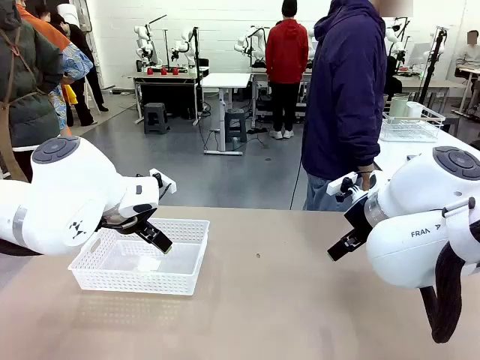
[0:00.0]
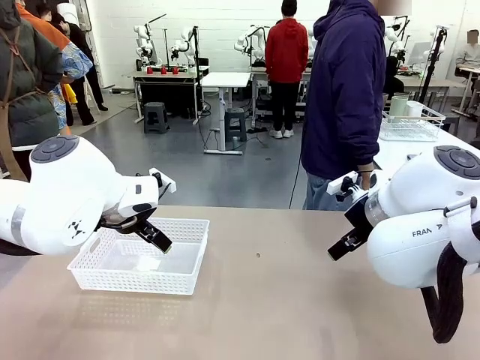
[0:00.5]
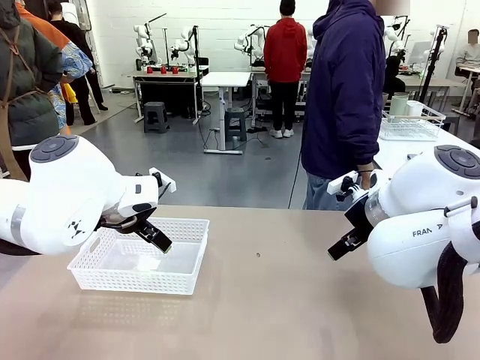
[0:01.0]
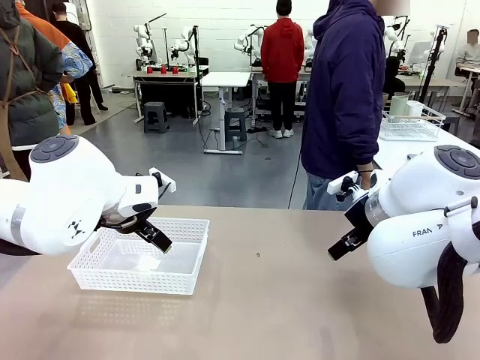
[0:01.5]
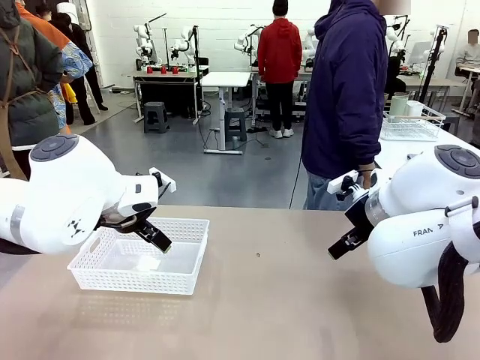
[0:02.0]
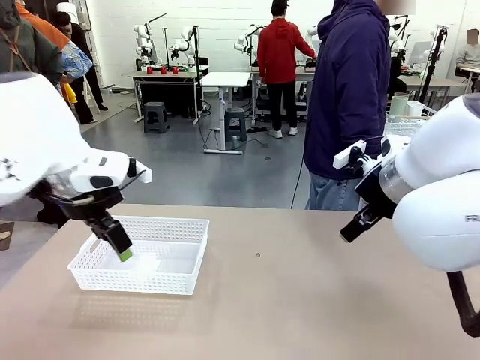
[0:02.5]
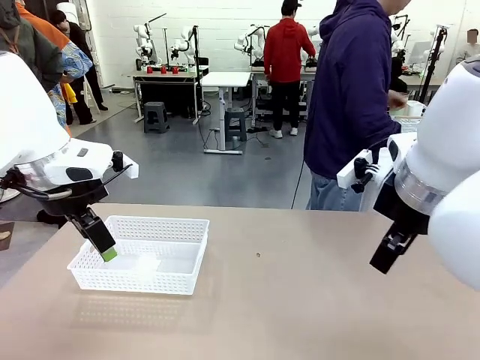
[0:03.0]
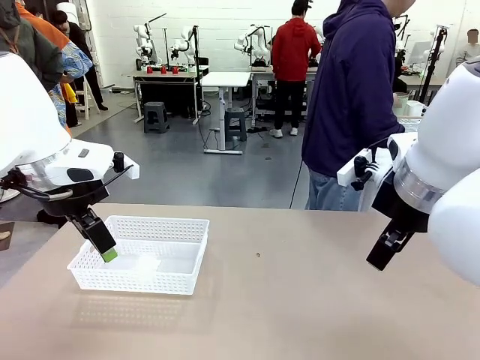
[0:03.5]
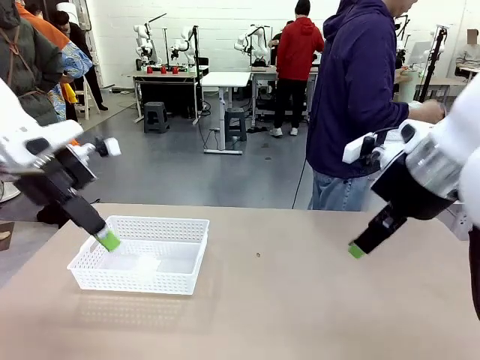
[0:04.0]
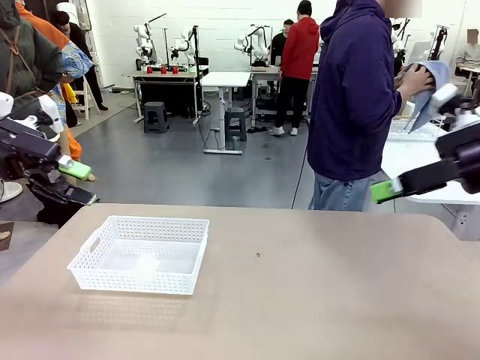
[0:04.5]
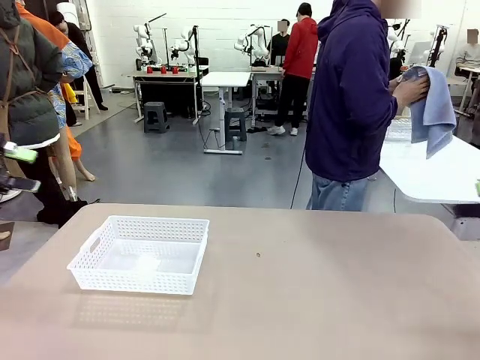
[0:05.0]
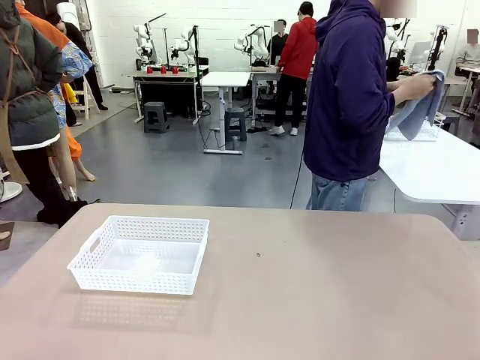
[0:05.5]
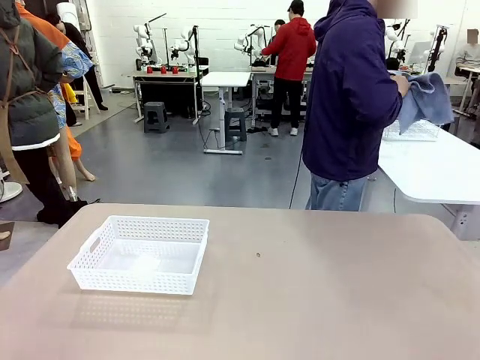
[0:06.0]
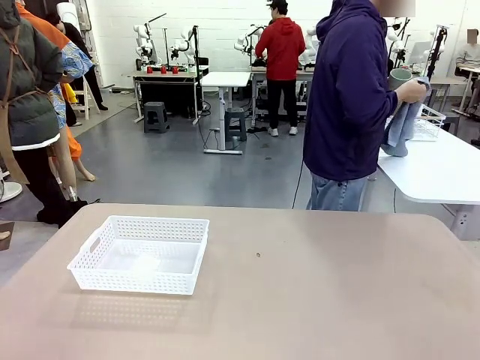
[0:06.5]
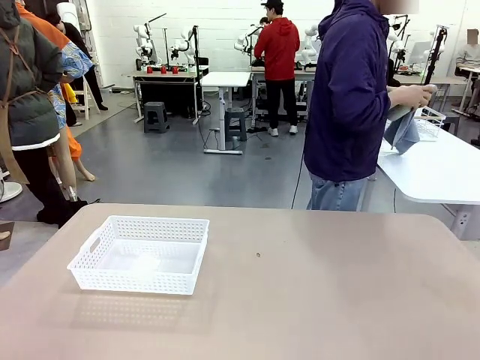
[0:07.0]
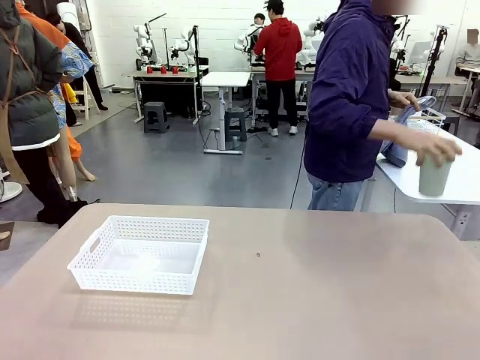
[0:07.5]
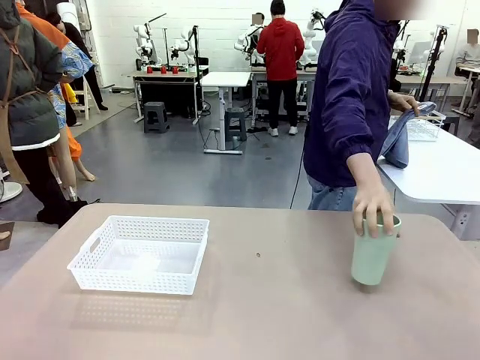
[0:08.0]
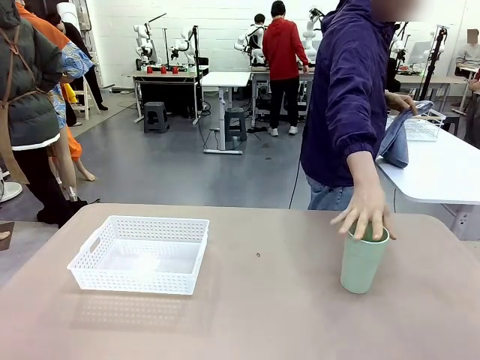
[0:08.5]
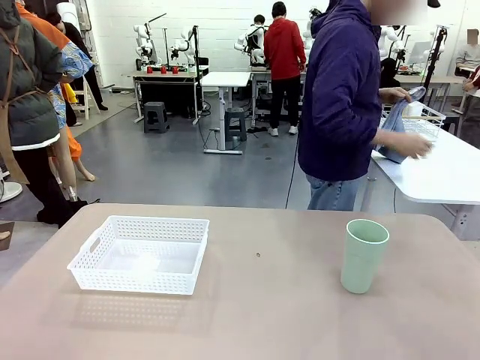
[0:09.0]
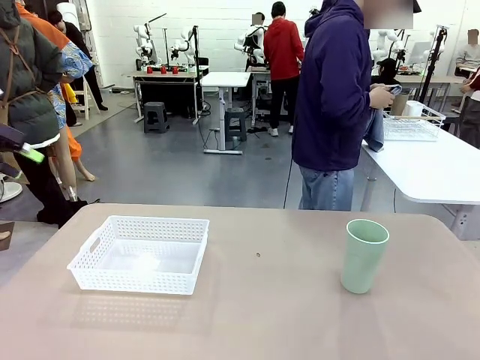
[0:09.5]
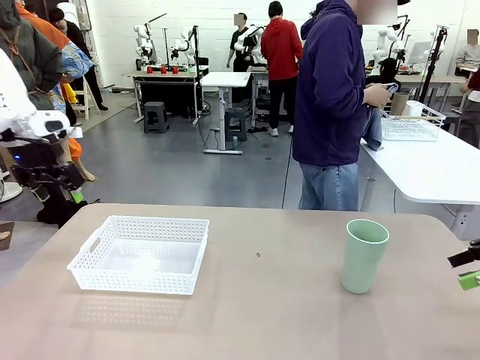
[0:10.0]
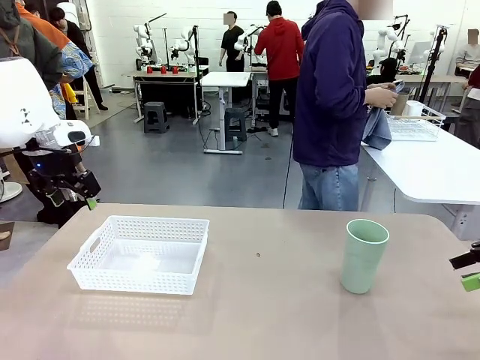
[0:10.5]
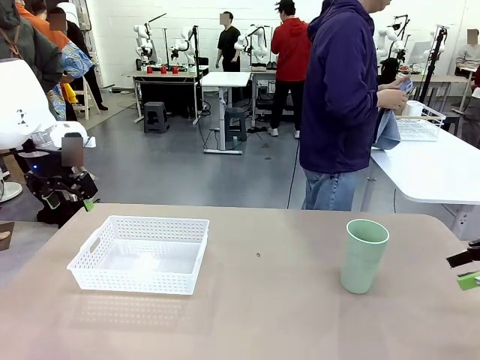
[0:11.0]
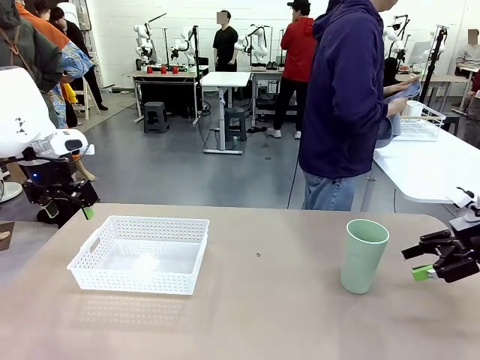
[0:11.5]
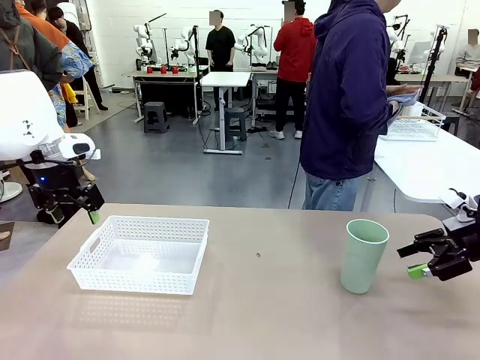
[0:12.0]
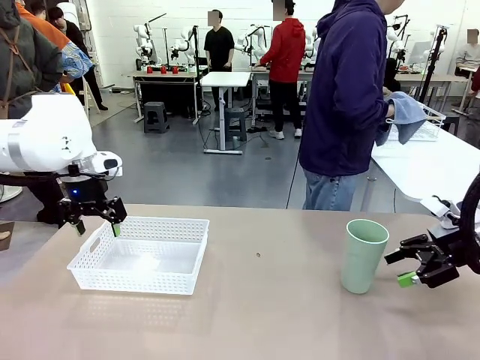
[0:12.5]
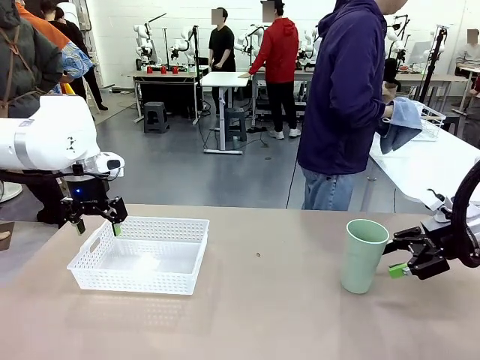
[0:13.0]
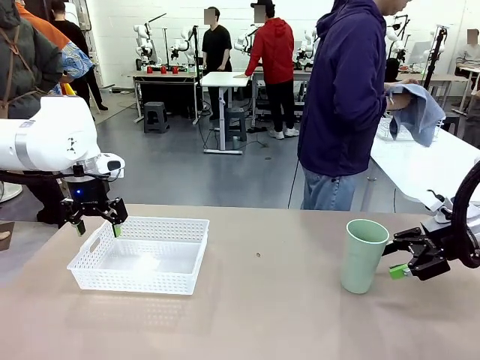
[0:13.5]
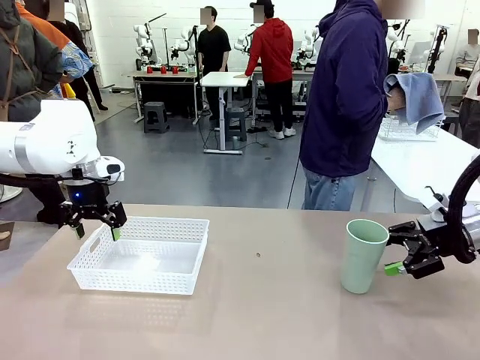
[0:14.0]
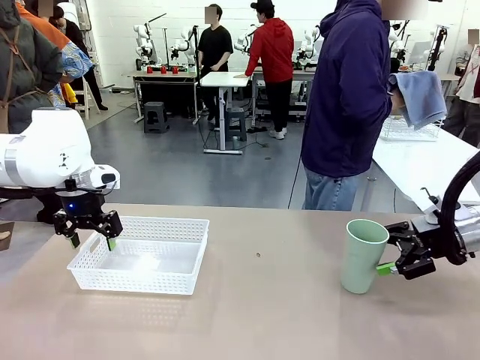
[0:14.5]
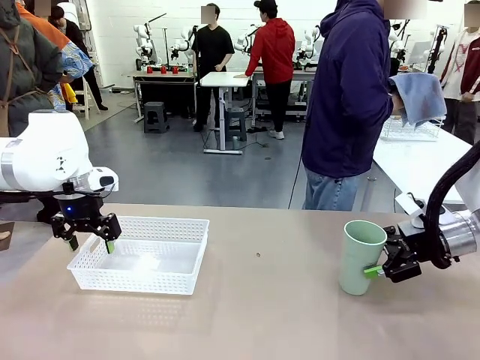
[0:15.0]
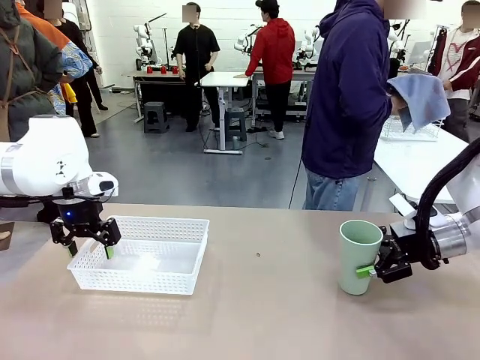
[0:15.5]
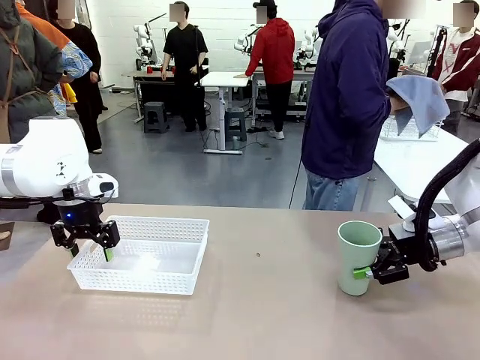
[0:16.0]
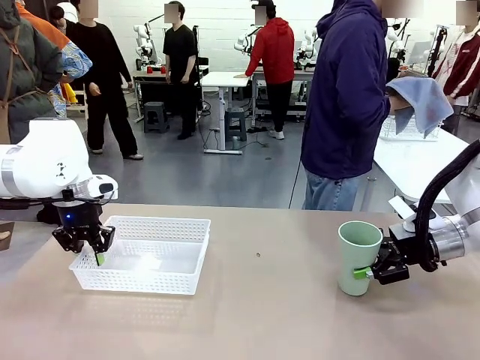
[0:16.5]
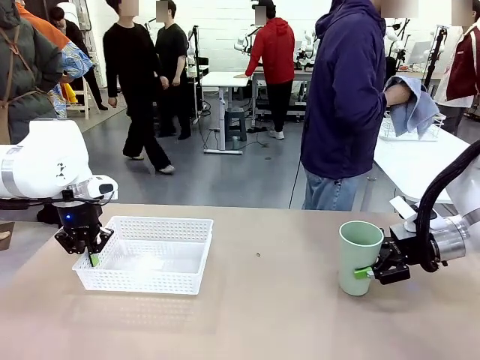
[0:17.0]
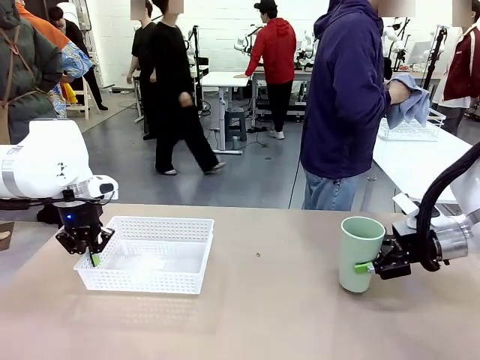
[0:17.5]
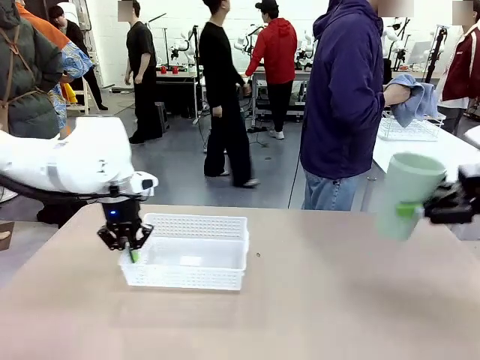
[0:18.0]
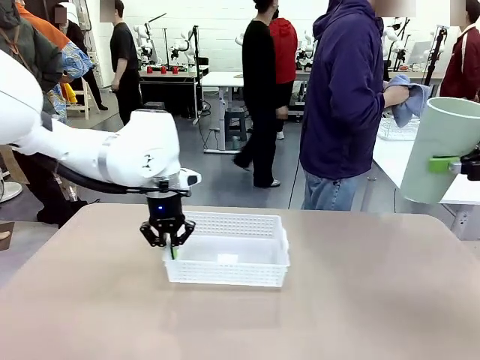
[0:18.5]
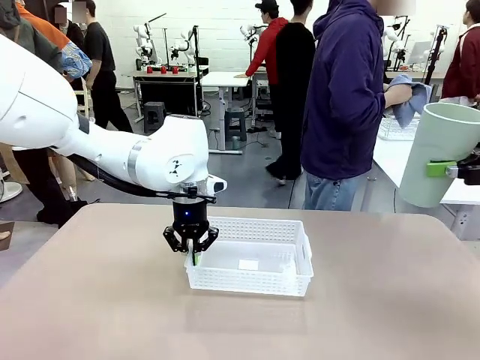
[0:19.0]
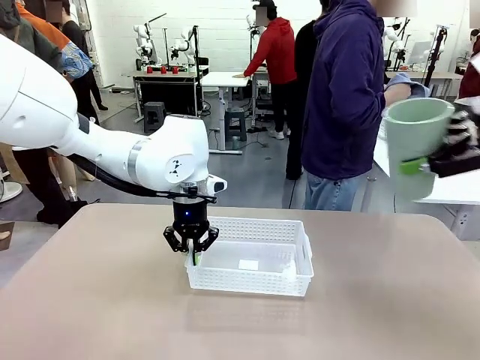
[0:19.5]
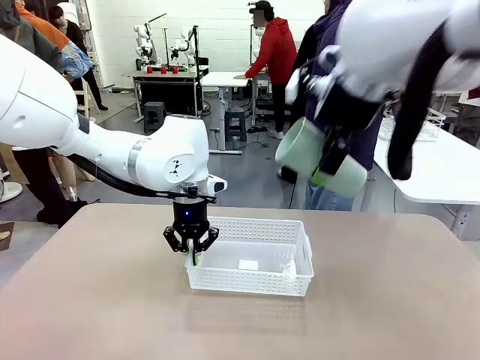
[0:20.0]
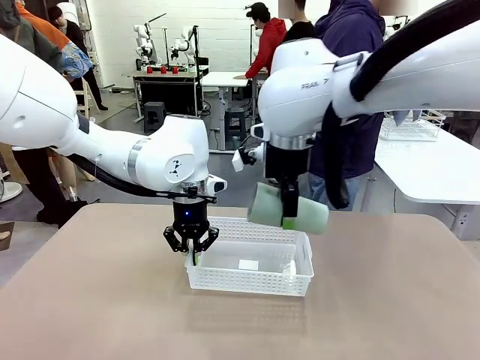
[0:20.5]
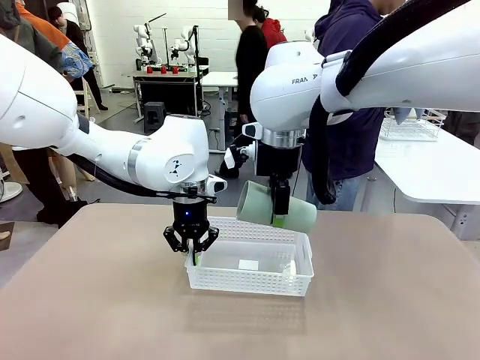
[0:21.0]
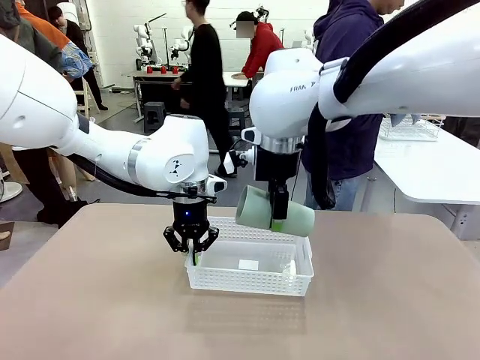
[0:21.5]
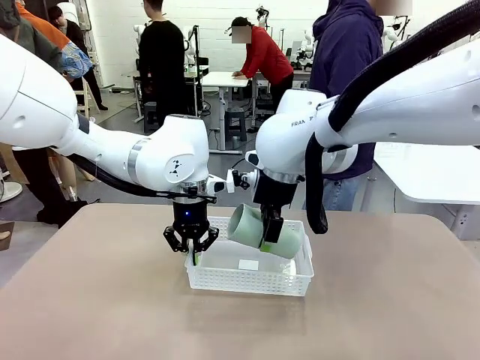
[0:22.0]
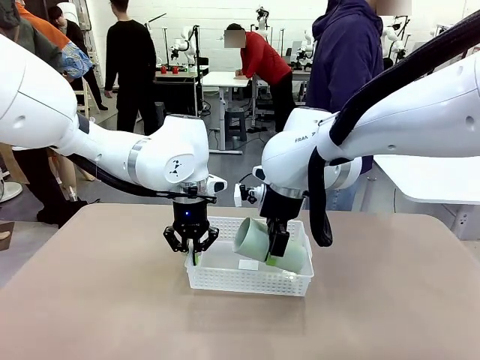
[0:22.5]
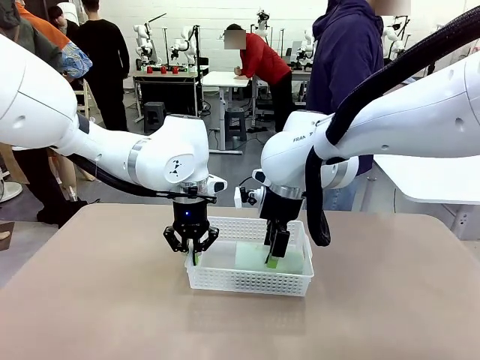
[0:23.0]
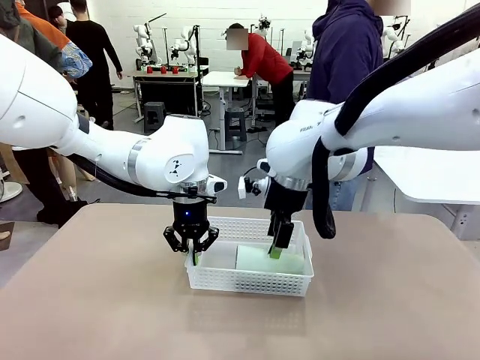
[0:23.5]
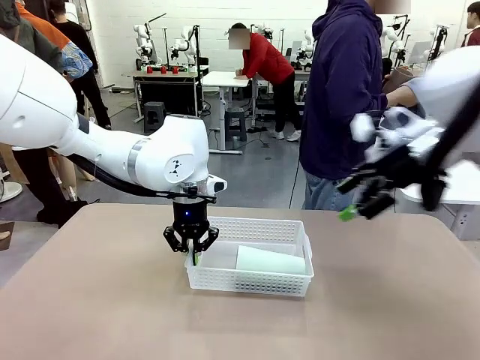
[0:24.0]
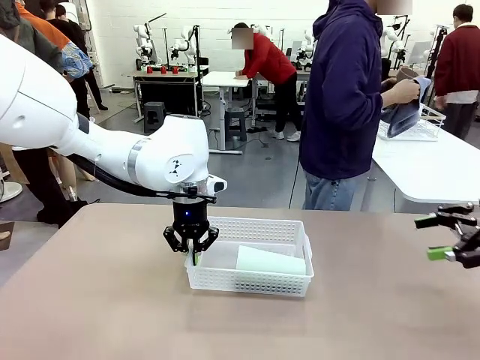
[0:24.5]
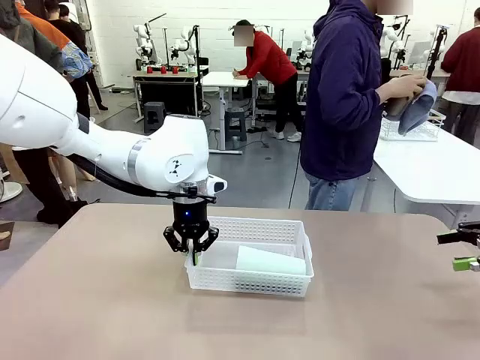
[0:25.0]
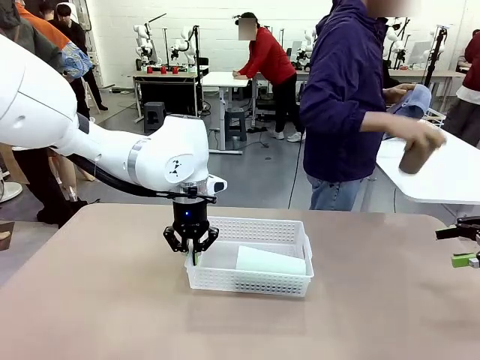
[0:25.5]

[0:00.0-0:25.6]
Task: Clean and organize the cups into the basket.
Robot: Pick up the Organizing basket and move it to the center of the table, then pick up the Reusable plastic cup from the right side of the table and place it inside the Organizing basket.
Person: Picks up a cup and a towel, cleans the cup with the towel, and places it on the left side of the robot table. Picks up a cup from the drying rack, cleans the cup with the towel, and places it on the left side of the robot table.
